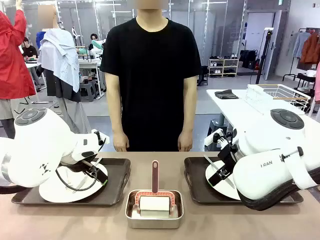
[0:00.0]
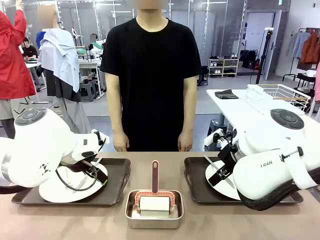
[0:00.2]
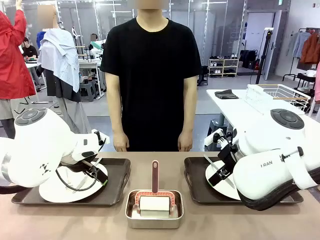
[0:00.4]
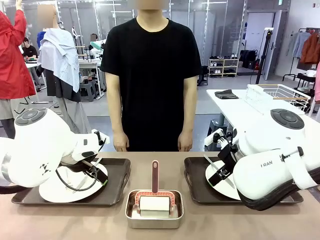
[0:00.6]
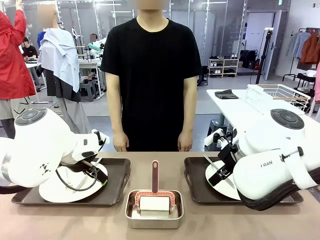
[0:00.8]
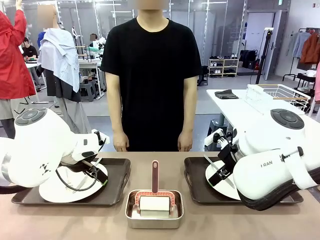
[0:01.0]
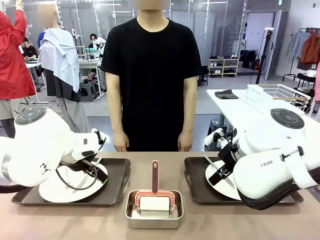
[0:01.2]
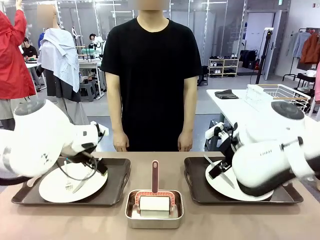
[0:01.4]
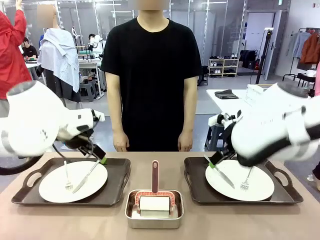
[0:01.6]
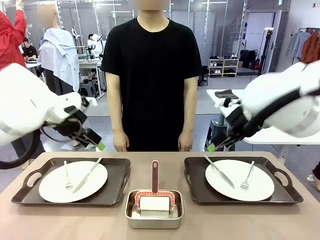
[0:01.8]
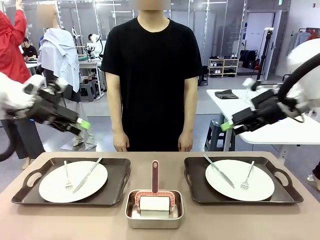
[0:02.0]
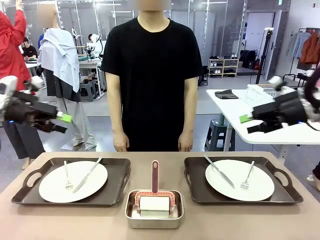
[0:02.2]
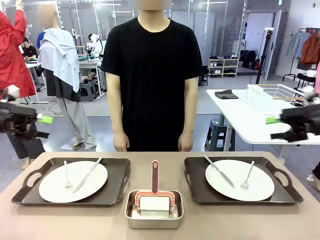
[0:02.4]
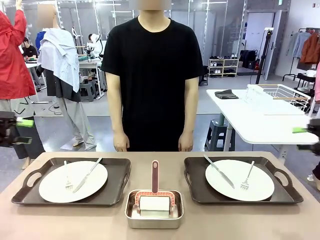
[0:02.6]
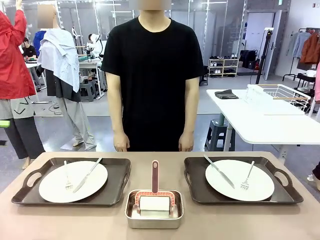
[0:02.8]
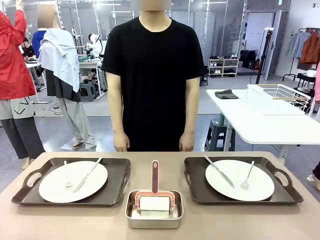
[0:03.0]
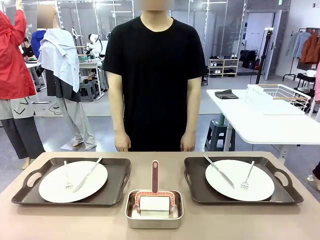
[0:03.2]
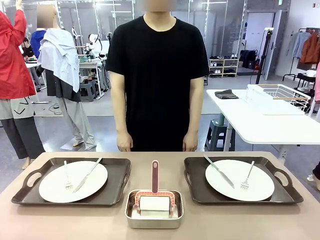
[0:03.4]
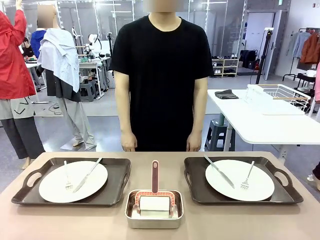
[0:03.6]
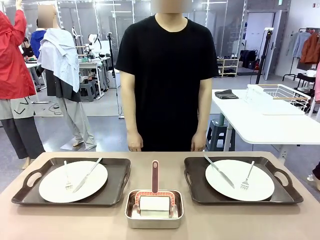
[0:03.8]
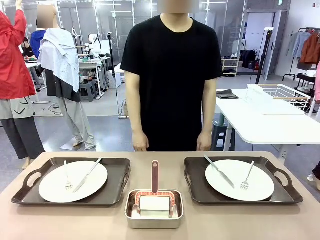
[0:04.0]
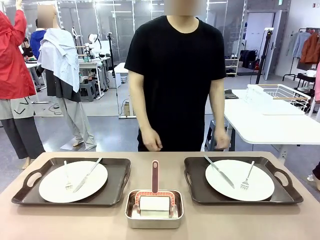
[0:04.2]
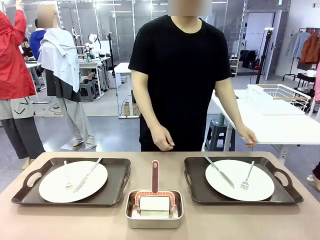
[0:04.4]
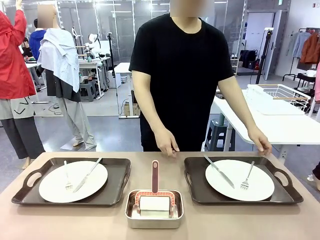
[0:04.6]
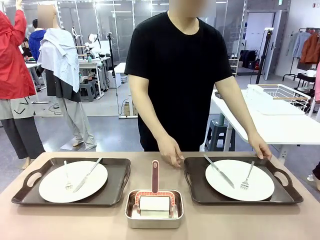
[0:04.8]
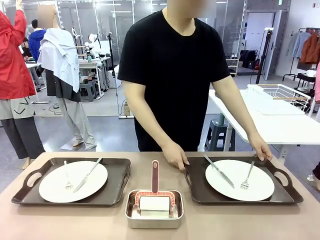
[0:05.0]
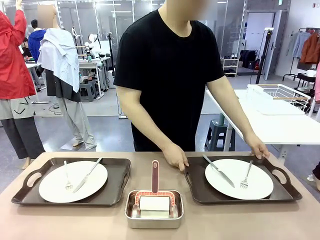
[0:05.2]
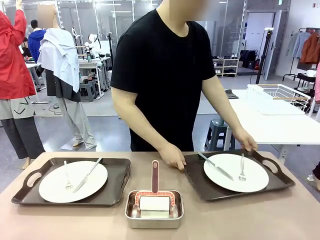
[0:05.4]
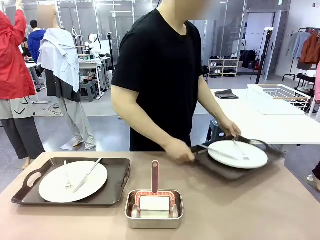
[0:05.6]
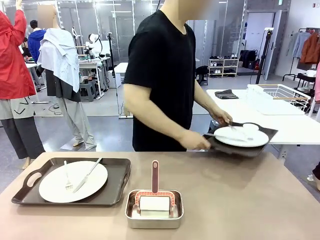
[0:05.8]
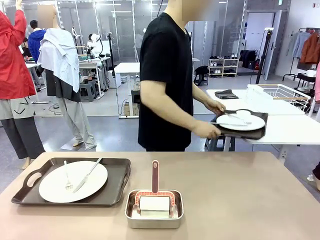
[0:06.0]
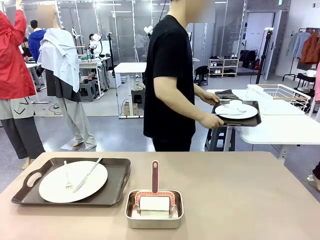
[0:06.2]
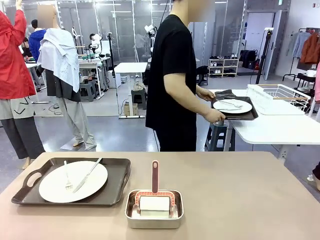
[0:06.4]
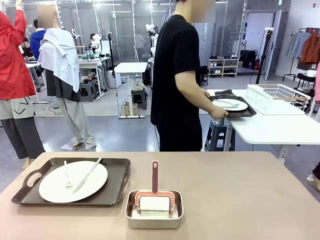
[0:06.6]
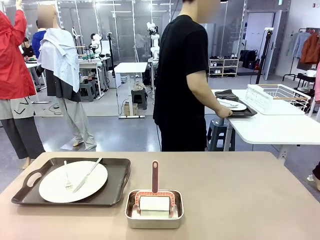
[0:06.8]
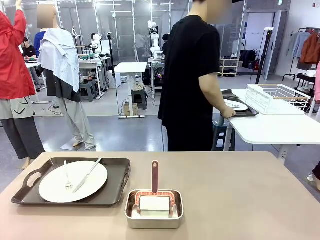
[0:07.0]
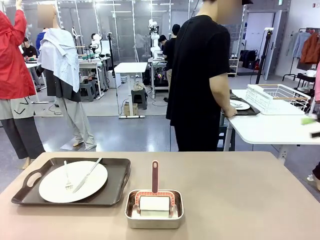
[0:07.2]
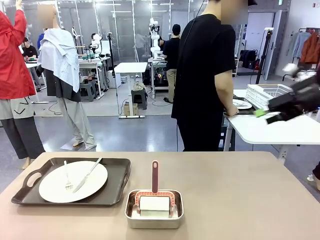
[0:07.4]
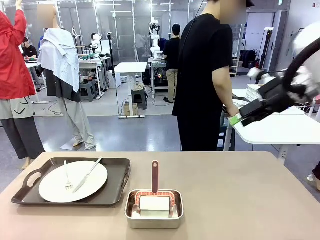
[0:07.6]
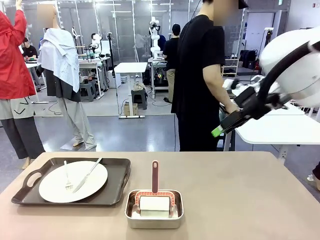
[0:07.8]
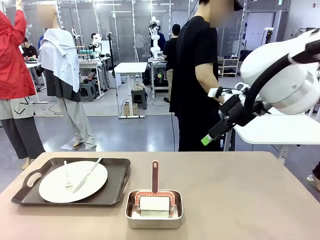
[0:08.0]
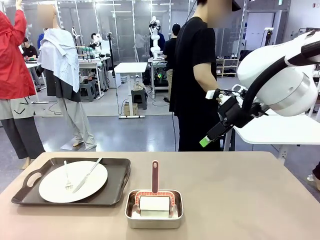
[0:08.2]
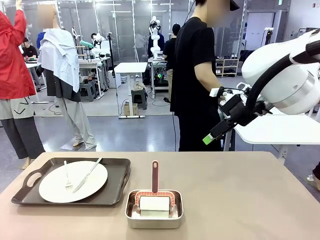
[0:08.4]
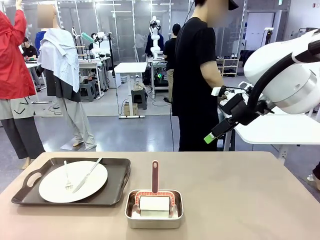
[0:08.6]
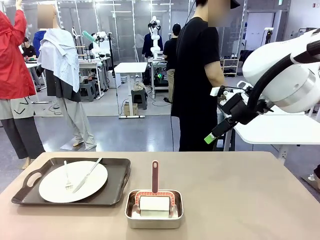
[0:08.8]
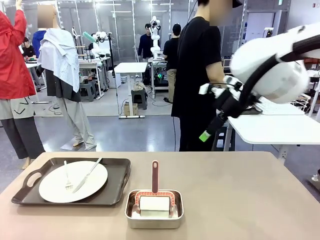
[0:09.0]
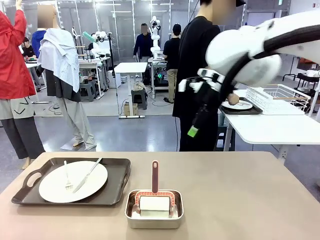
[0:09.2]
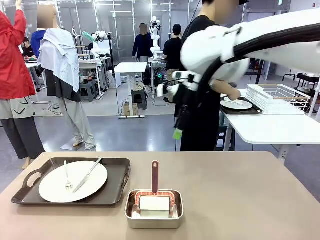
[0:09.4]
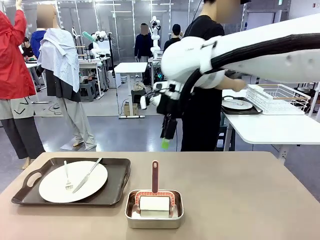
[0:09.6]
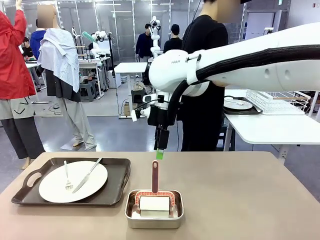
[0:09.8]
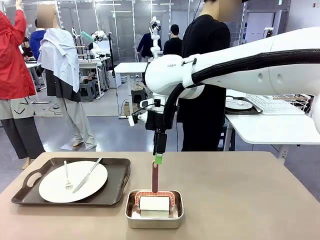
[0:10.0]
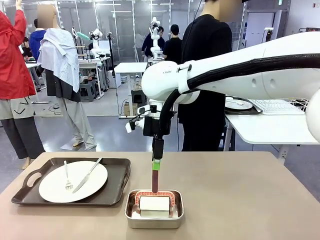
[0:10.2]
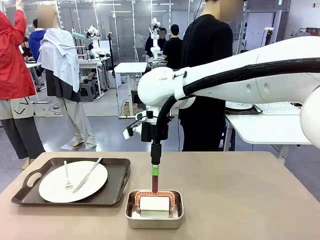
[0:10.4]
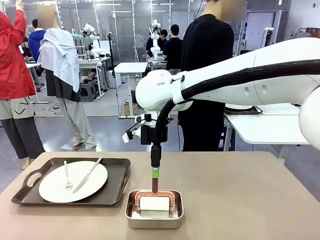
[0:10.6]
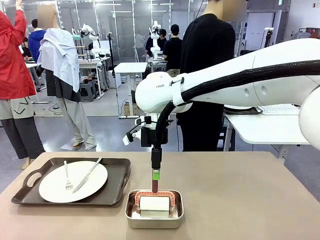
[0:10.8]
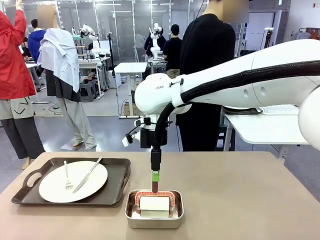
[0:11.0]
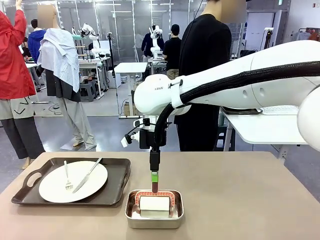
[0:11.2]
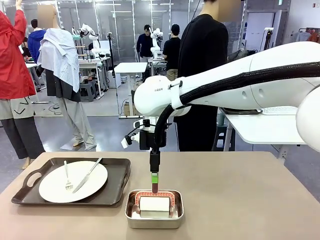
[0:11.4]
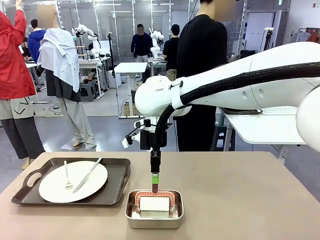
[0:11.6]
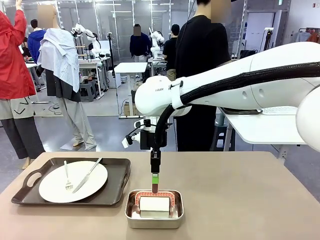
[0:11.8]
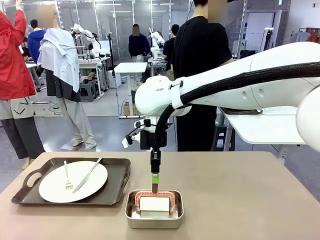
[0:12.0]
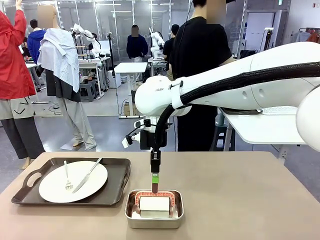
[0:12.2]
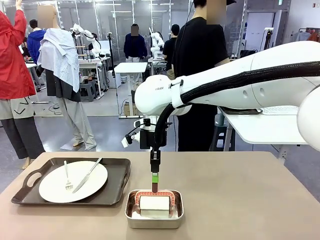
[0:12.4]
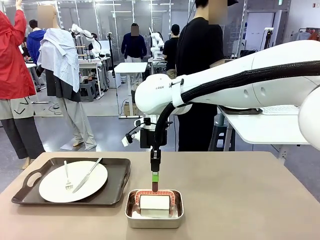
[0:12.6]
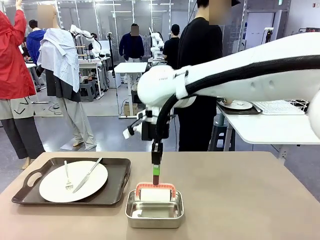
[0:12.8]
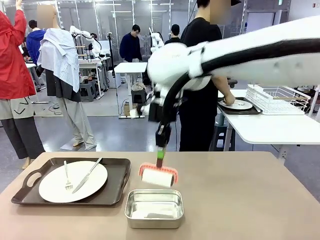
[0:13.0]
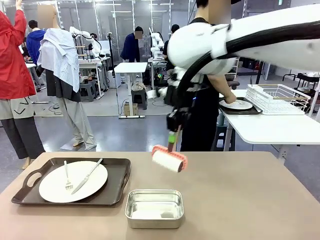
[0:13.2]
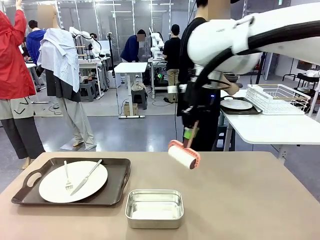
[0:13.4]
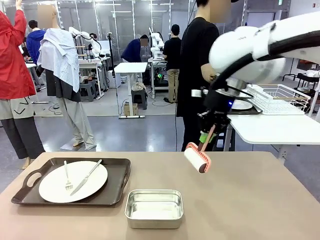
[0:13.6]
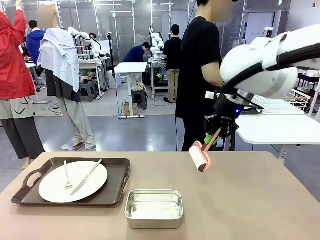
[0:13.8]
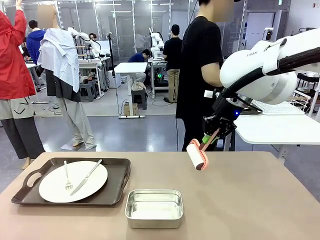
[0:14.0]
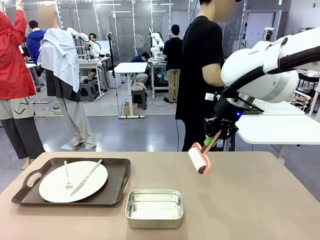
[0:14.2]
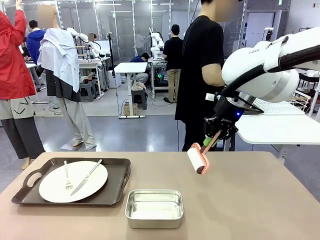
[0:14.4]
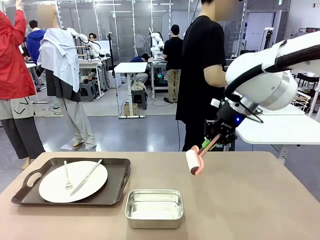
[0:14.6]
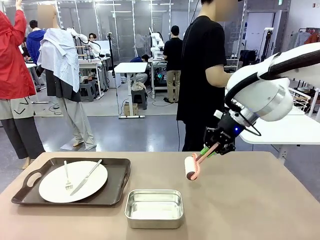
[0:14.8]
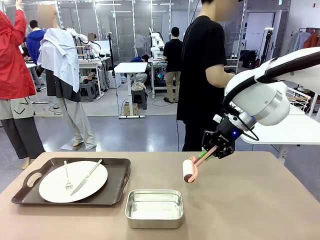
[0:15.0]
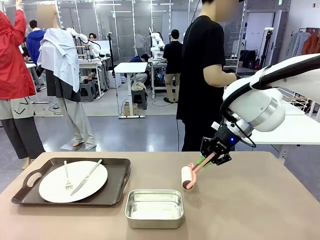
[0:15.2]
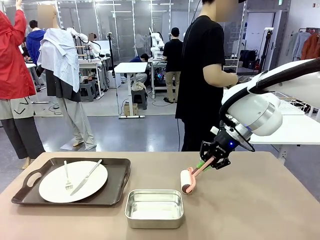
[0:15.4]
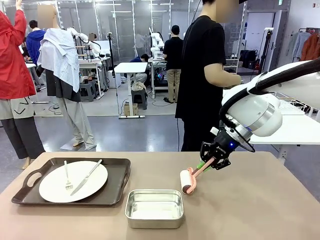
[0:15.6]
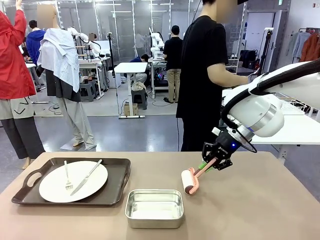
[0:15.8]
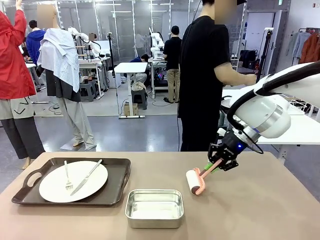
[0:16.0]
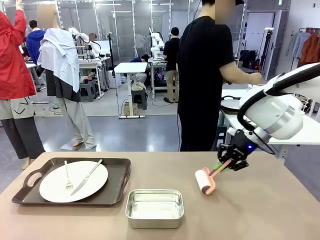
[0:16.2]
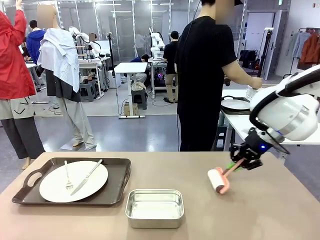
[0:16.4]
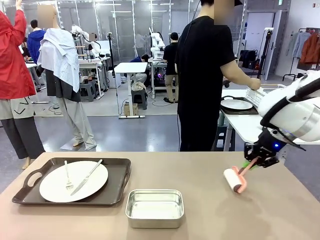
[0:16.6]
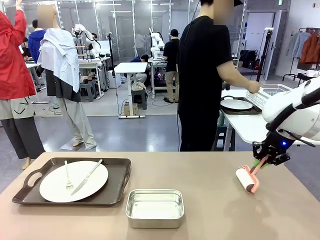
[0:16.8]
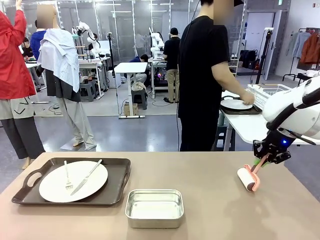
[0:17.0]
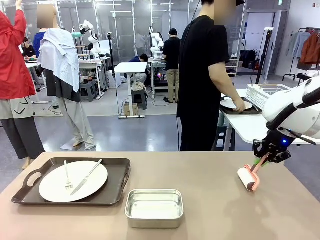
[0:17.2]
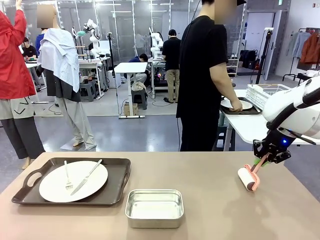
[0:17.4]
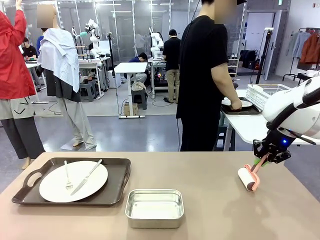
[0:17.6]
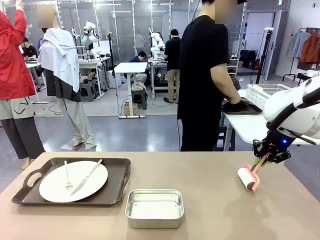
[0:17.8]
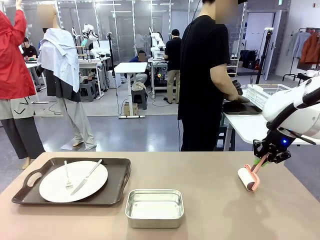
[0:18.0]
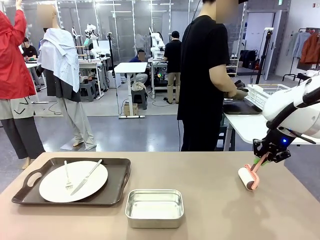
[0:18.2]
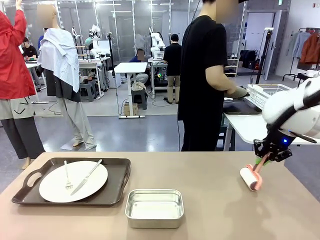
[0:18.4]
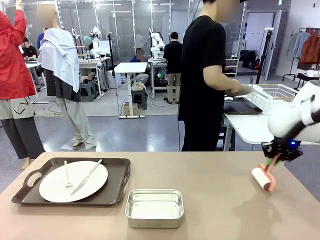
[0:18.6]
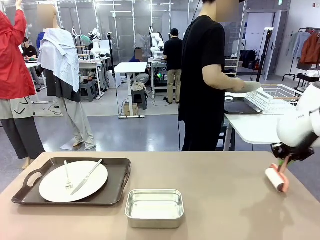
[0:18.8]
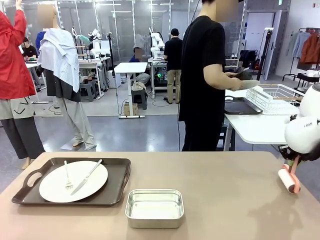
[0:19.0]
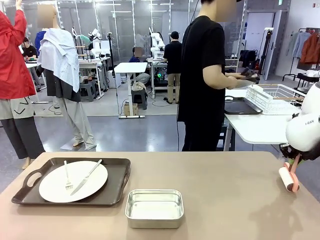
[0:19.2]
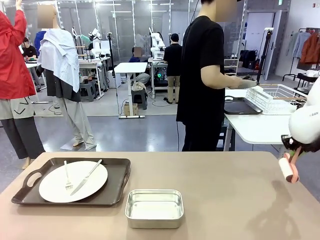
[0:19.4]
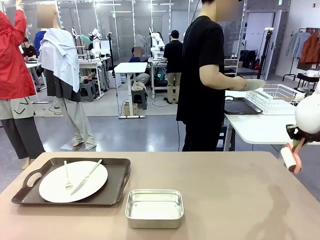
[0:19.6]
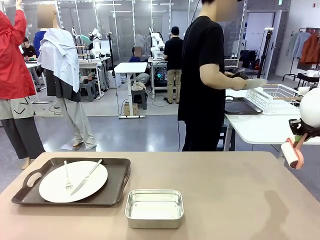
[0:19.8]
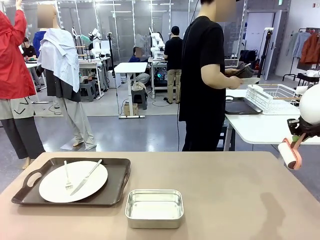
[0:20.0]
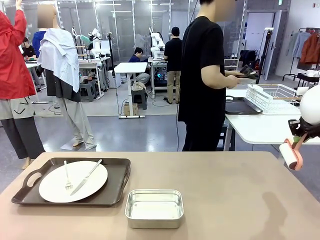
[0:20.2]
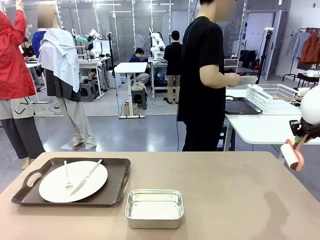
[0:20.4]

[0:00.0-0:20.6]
Robot: When the left (or right) Handle tray is removed, use the left hand (or right hand) to clean the left (or right) side of the table with the Lint Roller.
Person: Pick up the left (or right) Handle tray and place it on the middle of the Human's table. Use the Towel with hook to wipe the Plastic Matte Plate , Fork , and Knife and place into the Dish drying rack.
